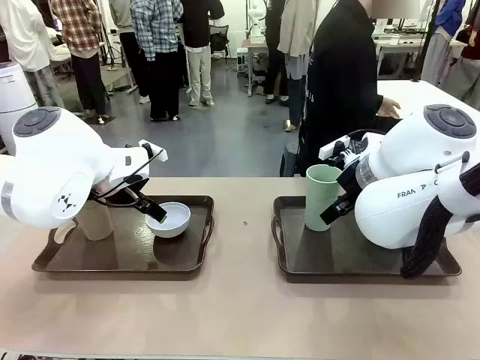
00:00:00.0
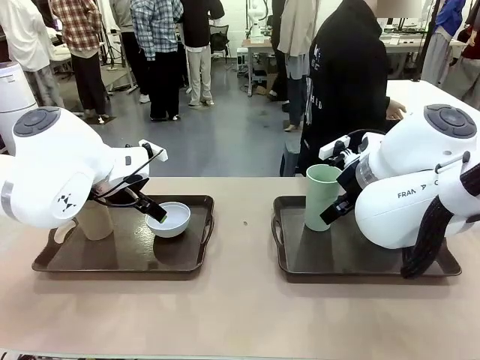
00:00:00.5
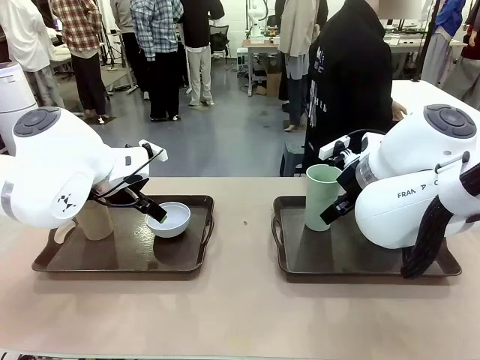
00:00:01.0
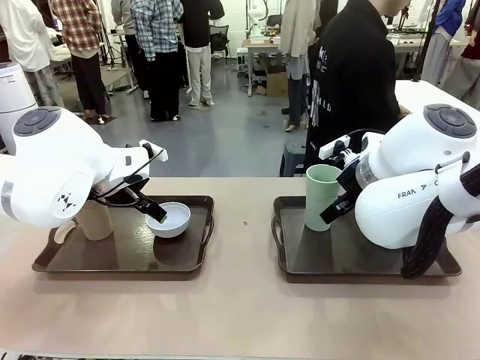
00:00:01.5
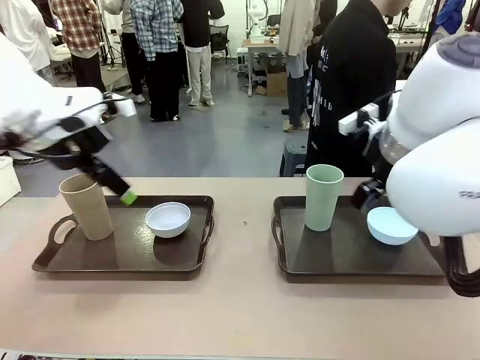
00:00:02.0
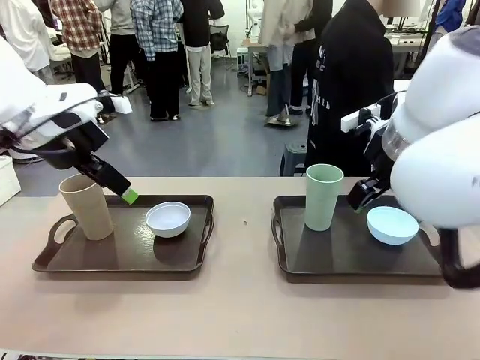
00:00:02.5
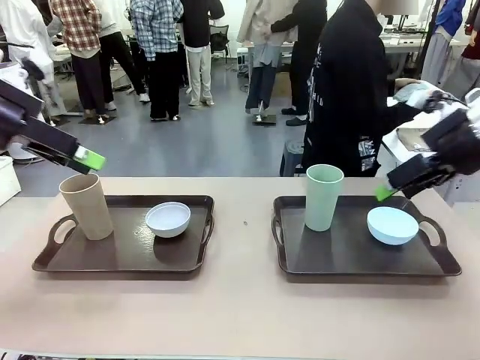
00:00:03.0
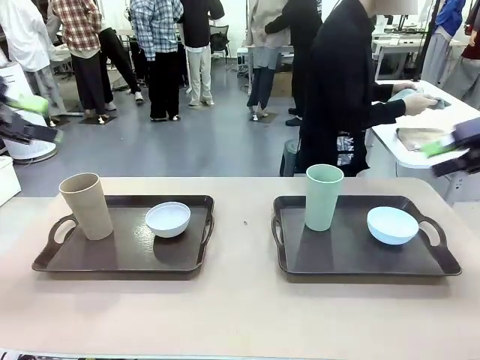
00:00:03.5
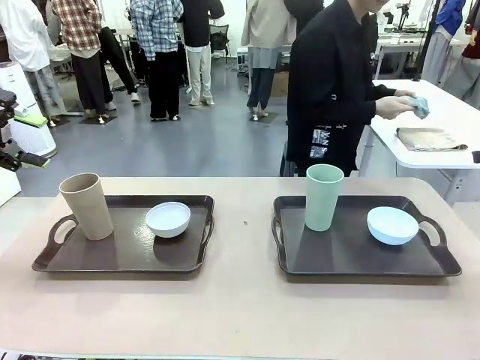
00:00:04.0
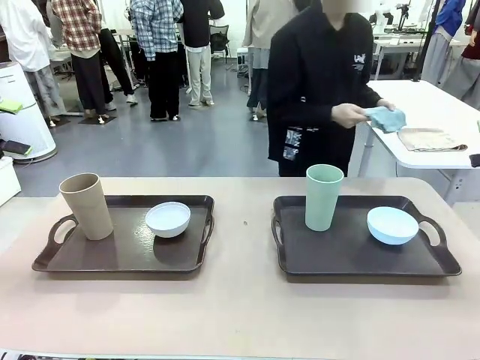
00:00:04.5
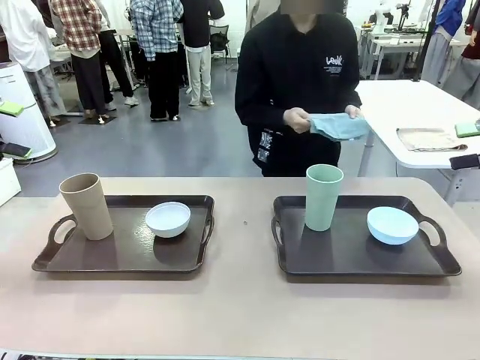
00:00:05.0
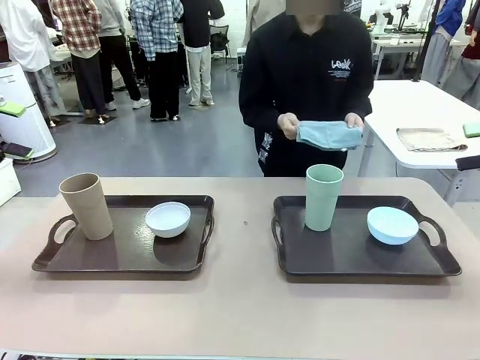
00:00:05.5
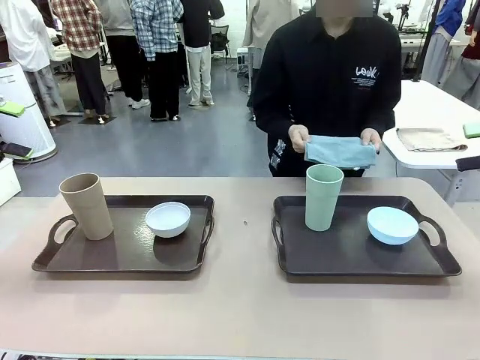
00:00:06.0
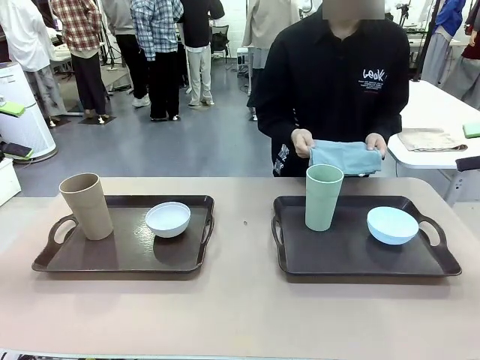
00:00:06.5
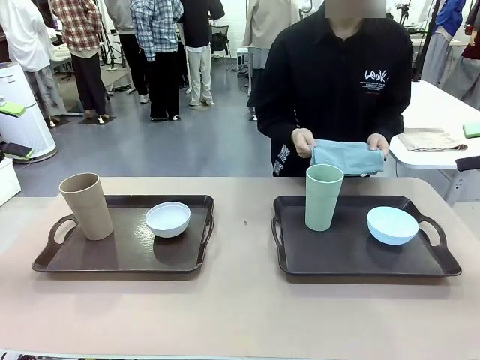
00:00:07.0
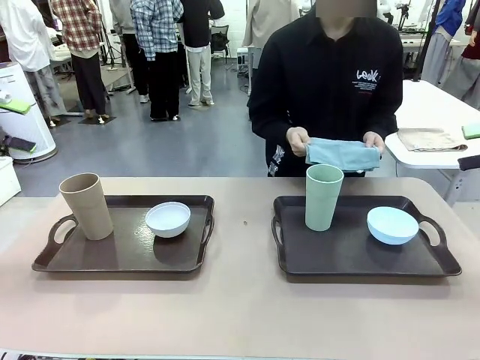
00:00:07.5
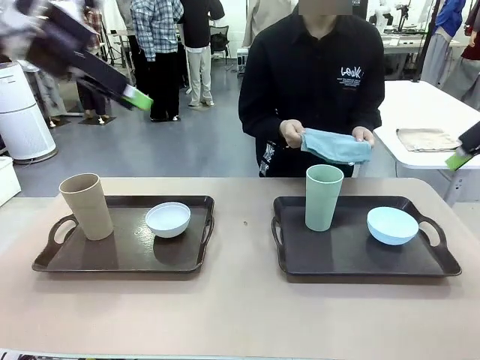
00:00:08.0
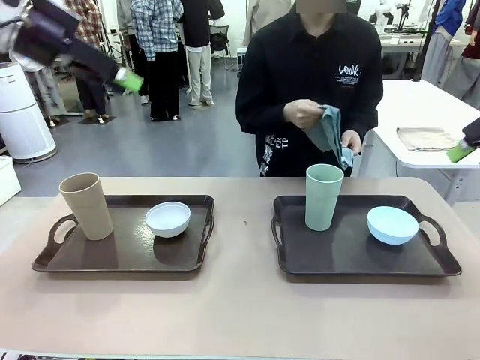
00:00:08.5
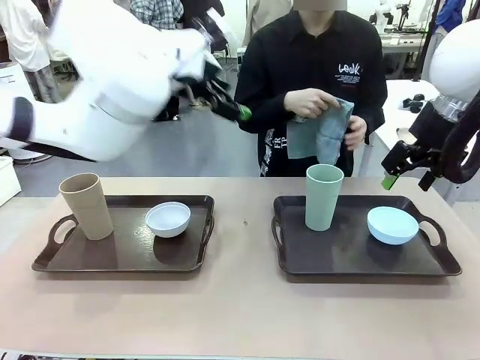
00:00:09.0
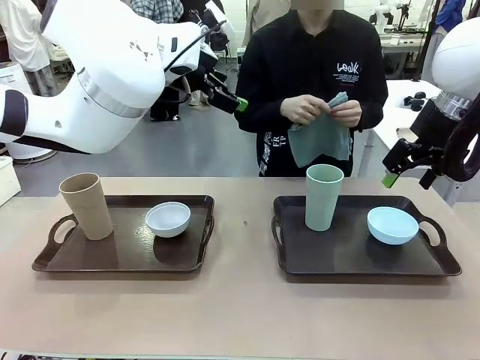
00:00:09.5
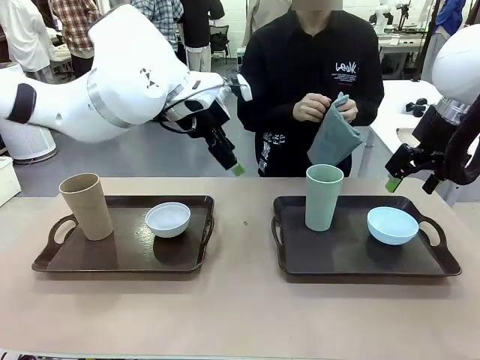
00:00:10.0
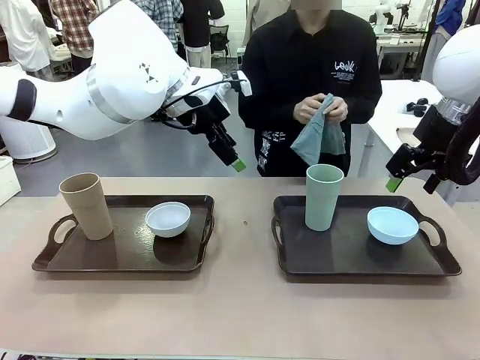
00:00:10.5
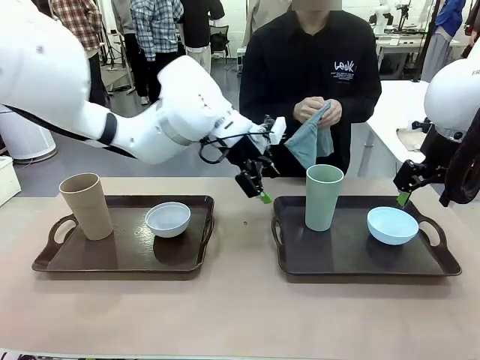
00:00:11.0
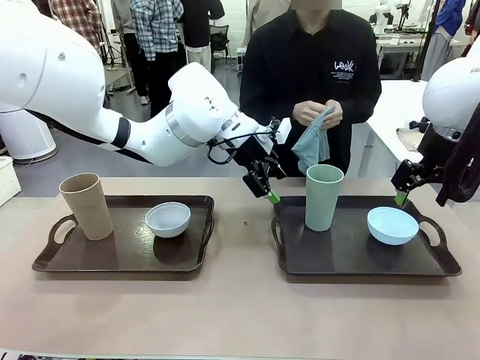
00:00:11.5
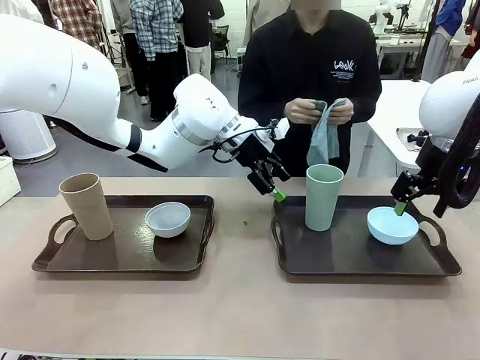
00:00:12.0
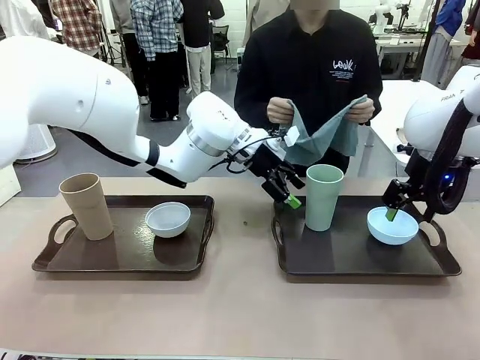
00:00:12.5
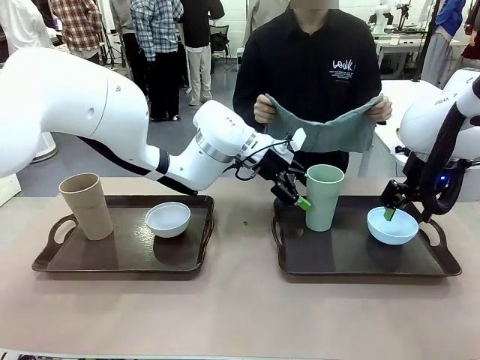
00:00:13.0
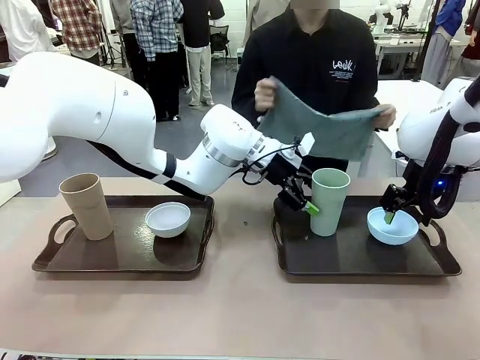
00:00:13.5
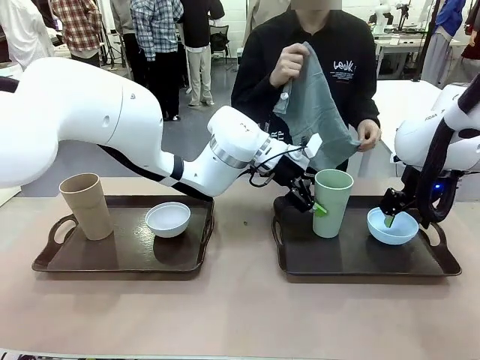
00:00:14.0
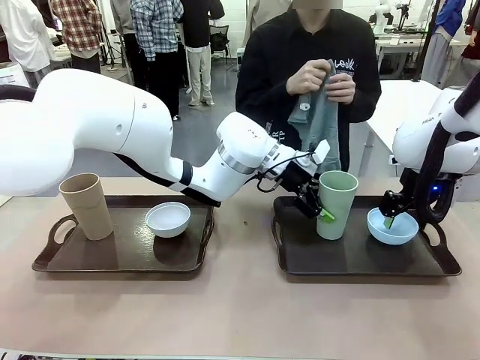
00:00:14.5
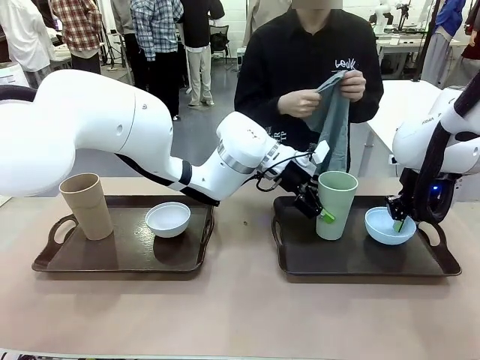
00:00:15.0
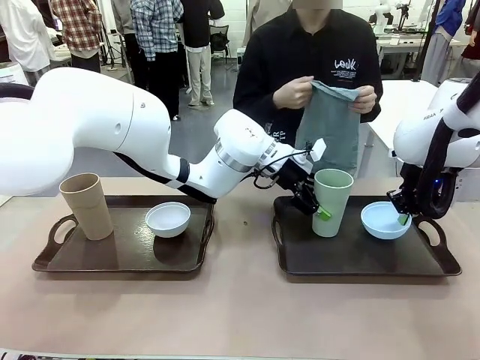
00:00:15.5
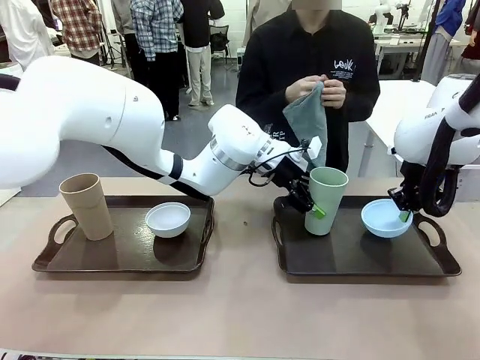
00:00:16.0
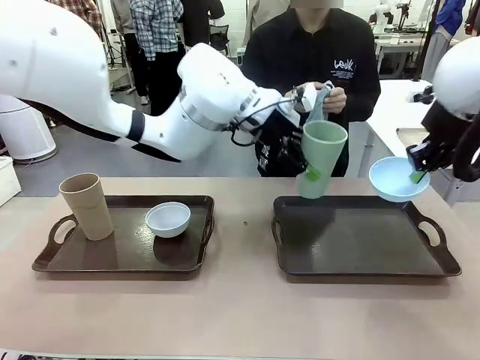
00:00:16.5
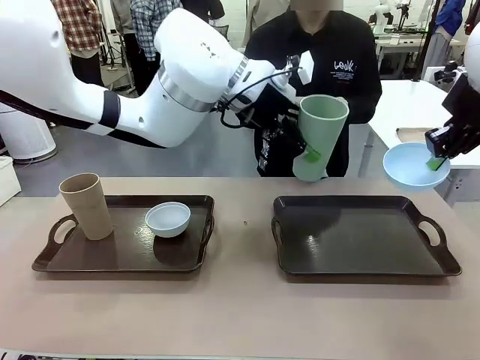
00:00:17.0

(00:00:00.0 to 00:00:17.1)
Robot: Pick up the Picnic Bowl and Reusable plastic cup from the Handle tray in front of the human's position and hold them in the air.
Person: The human picks up the top napkin from the stack on the human table and walks to the robot table to stand in front of one of the two trays. When the robot lifts the bowl and the cup, the human unfolds the napkin and lays the napkin flat on the tray.

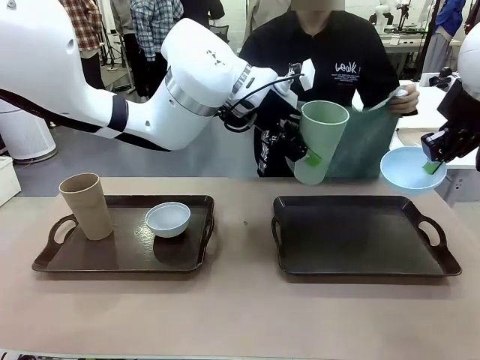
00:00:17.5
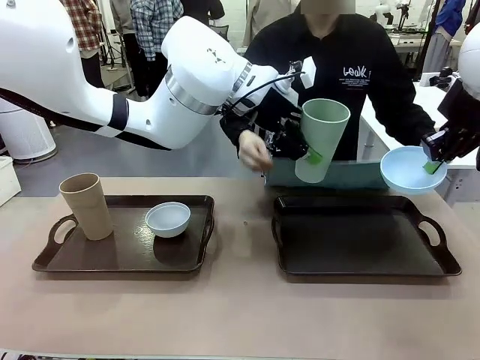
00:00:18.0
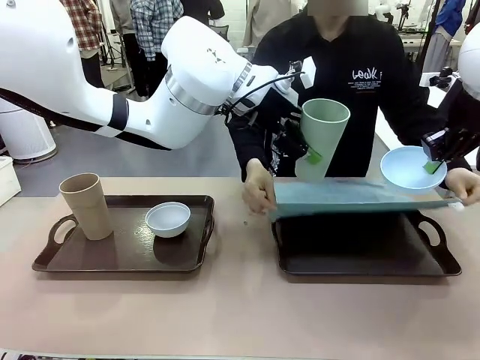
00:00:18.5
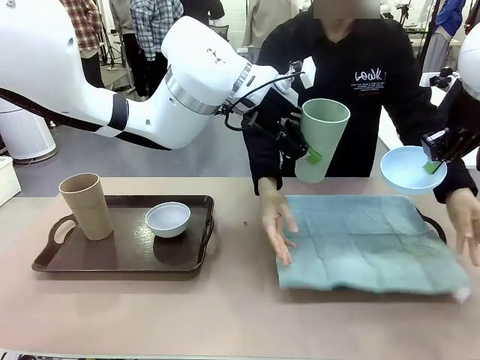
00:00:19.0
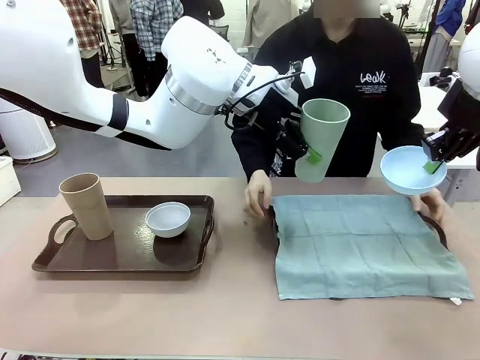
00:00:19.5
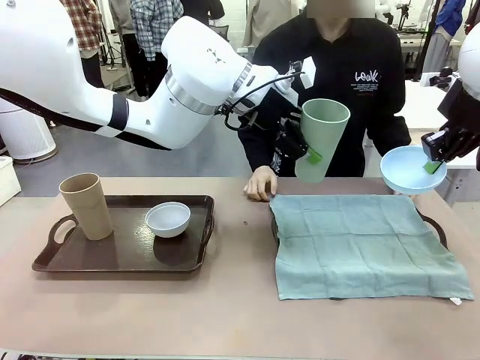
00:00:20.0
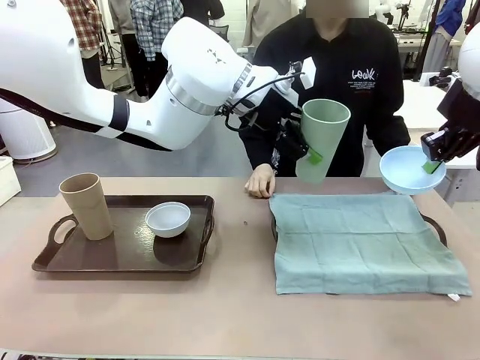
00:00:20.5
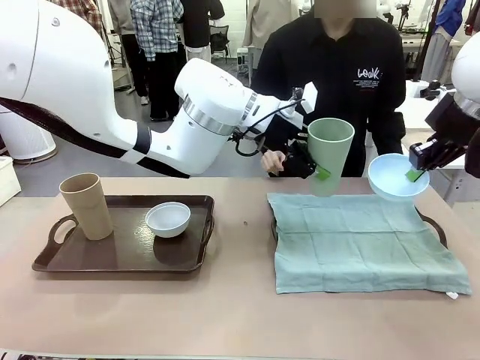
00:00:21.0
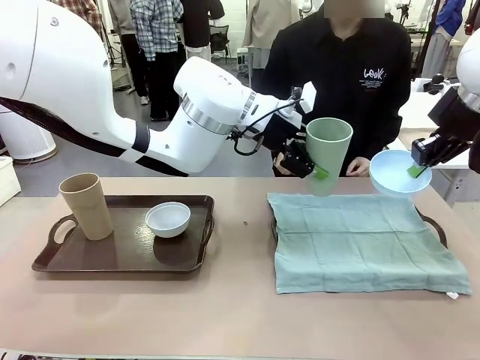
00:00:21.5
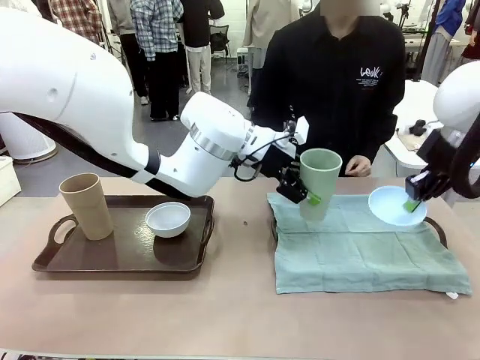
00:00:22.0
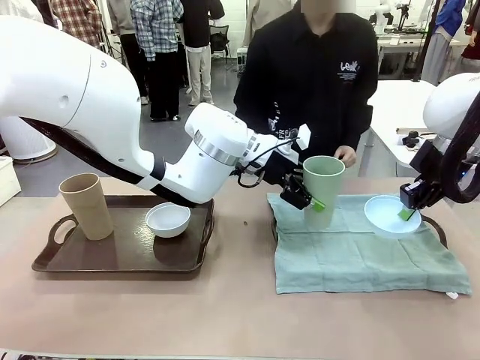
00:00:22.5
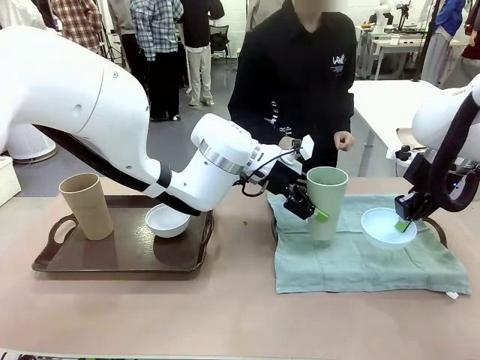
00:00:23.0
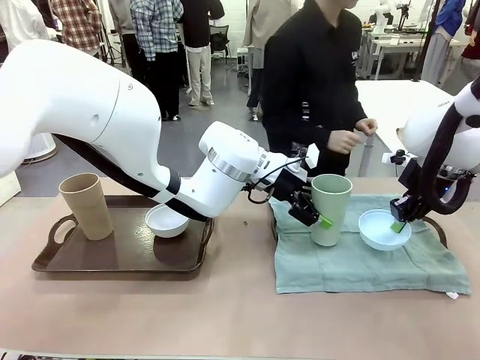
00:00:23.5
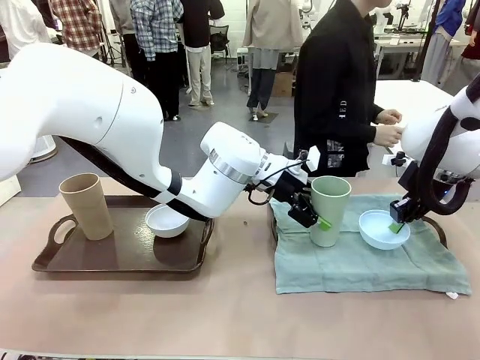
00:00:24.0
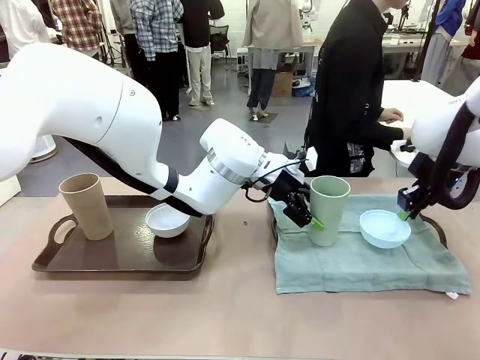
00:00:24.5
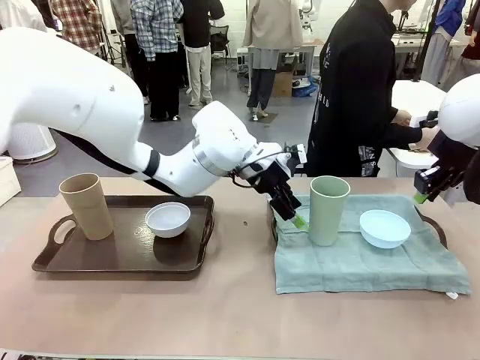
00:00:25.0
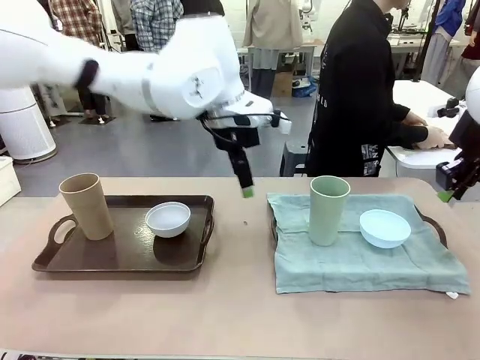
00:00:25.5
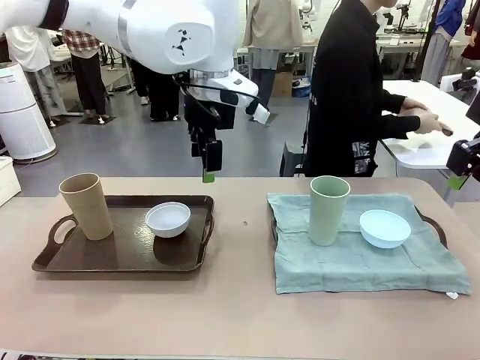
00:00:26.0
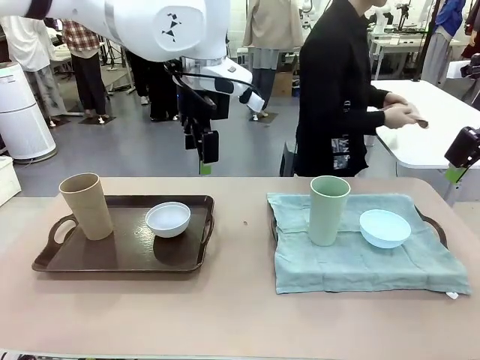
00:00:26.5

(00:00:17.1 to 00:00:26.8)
Robot: Place the Picnic Bowl and Reusable plastic cup back onto the Handle tray in front of the human's position.
Person: The human returns to the human table to pick up another napkin and walks to the robot table to stand in front of the tray without a napkin.
